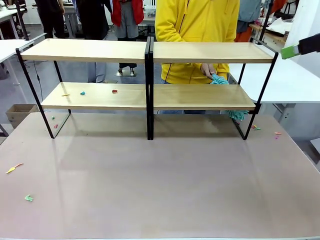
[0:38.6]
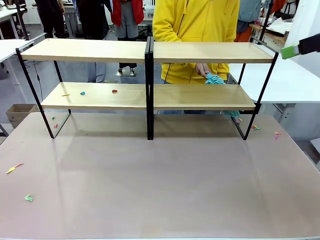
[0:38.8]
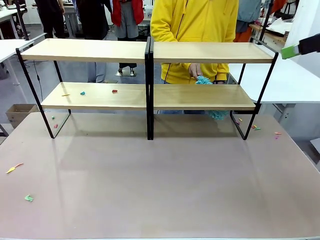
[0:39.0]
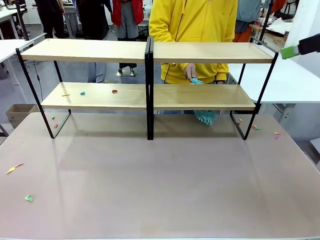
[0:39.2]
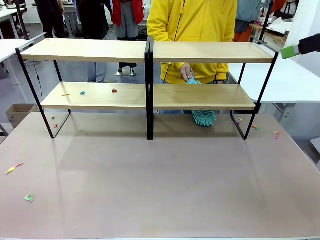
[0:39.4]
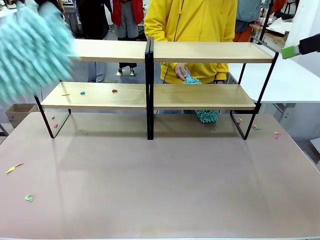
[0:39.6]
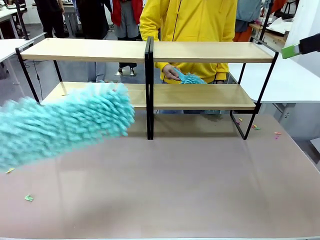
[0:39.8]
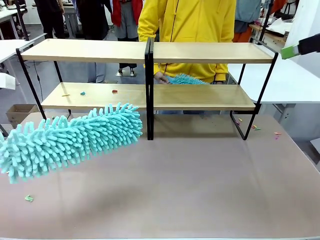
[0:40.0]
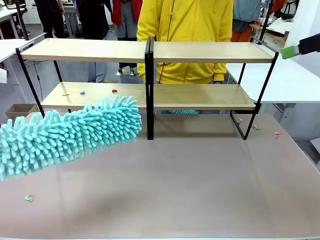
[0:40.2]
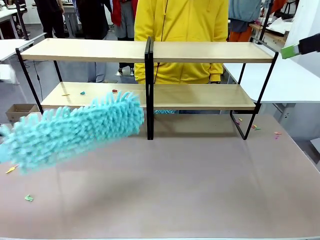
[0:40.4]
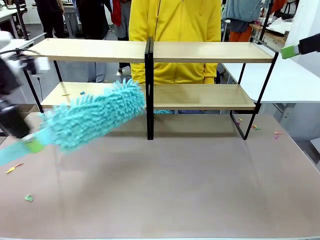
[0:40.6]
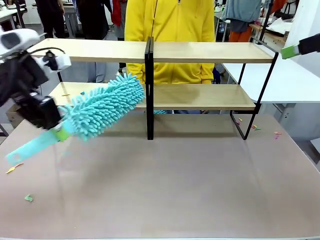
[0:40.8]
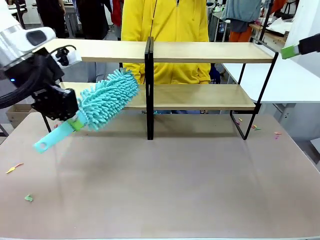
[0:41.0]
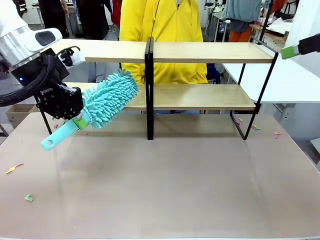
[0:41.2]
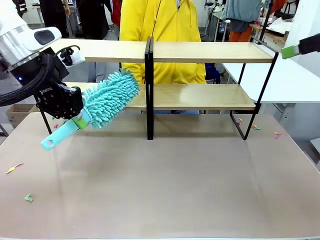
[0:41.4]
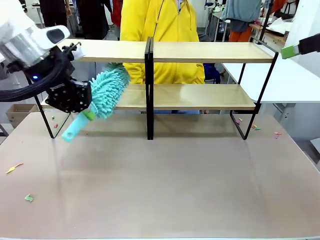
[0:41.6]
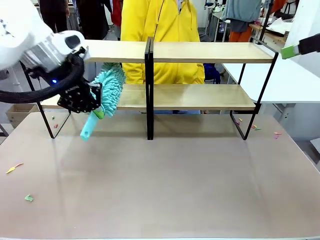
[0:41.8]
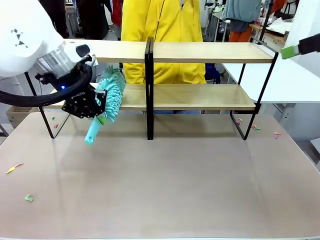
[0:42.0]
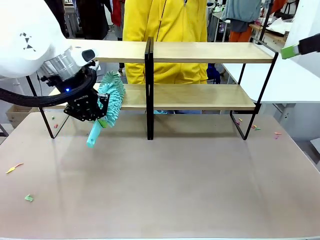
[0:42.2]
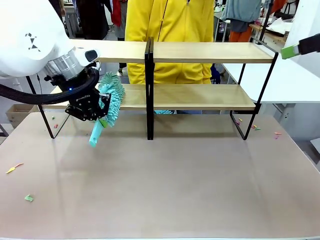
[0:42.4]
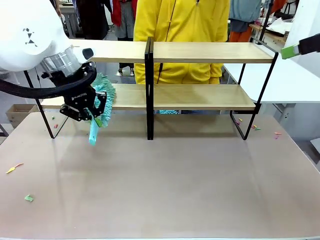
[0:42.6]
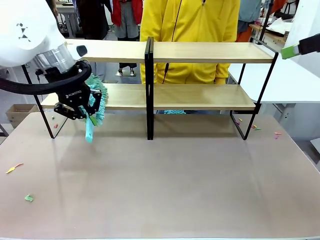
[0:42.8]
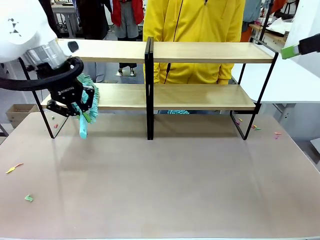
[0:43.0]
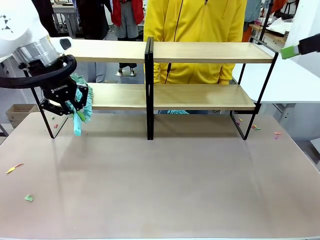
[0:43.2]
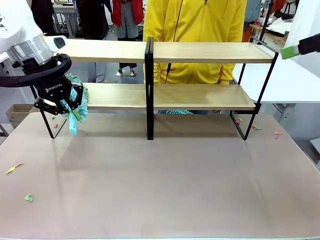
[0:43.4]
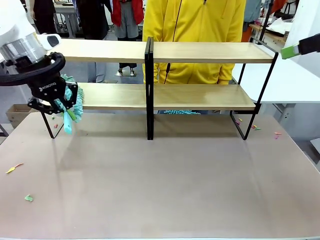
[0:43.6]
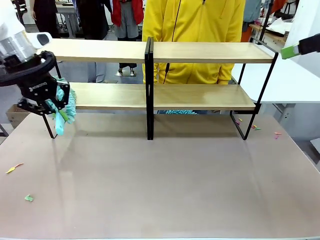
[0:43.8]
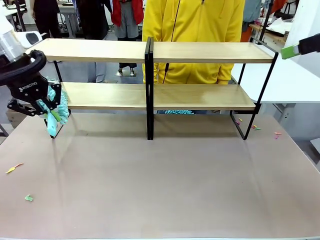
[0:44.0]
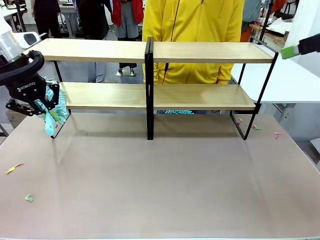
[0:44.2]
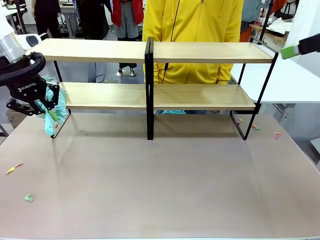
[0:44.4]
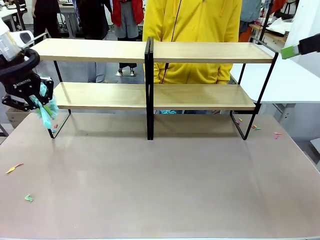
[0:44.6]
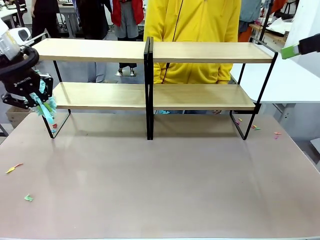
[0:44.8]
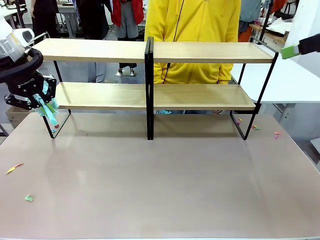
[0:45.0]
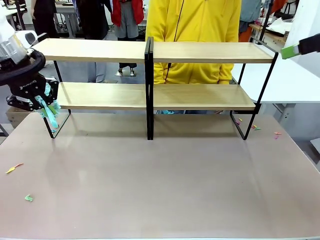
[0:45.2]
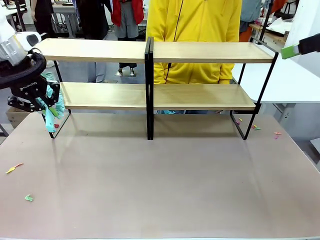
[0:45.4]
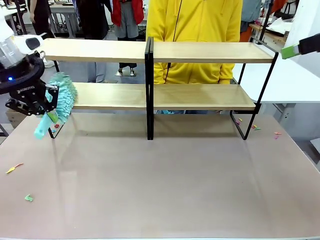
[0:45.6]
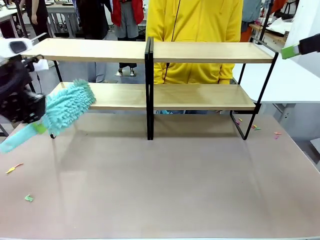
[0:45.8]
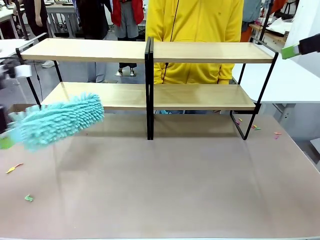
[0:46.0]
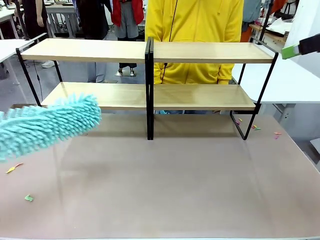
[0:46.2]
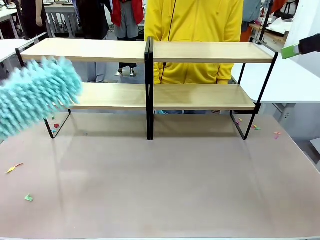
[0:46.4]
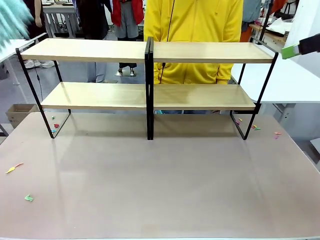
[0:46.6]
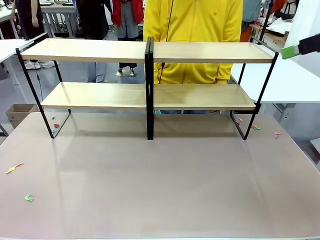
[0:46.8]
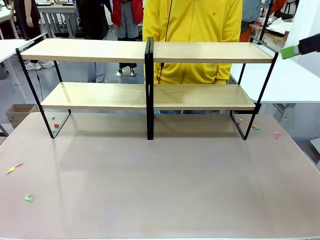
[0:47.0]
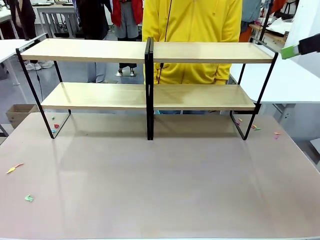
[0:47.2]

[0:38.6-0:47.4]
Task: Clean the shelves.
Robot: Clean another randomly selected level of the Shelf with the Duster.

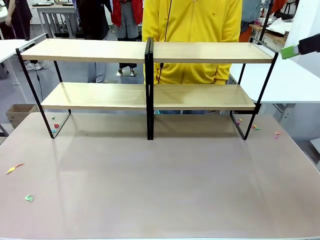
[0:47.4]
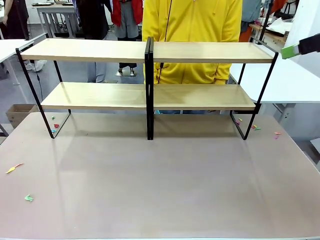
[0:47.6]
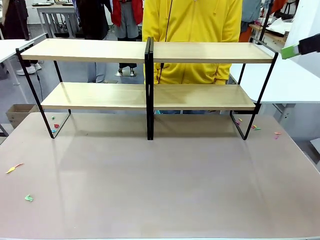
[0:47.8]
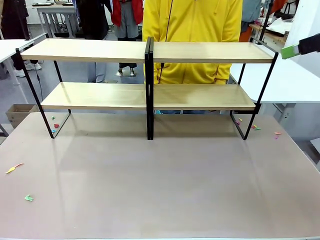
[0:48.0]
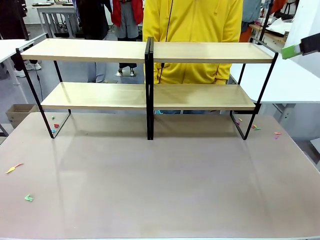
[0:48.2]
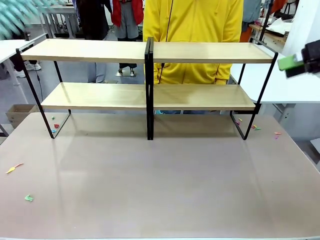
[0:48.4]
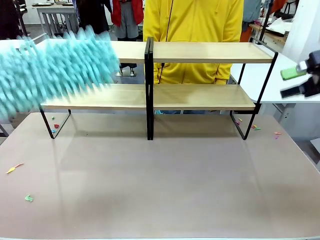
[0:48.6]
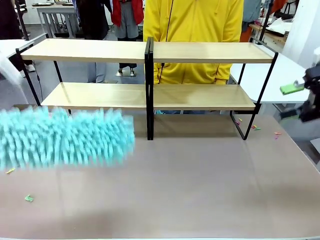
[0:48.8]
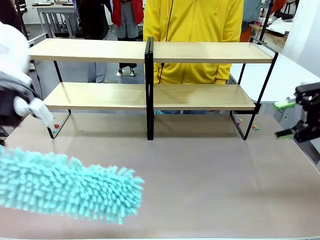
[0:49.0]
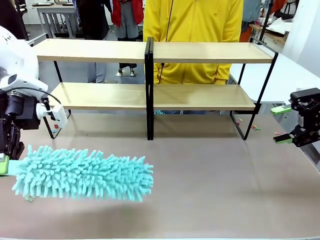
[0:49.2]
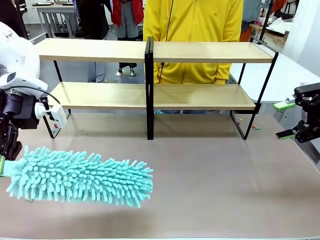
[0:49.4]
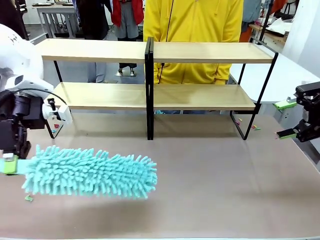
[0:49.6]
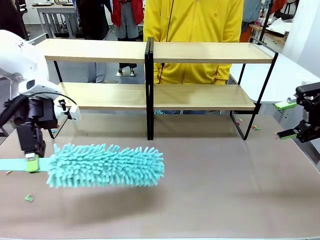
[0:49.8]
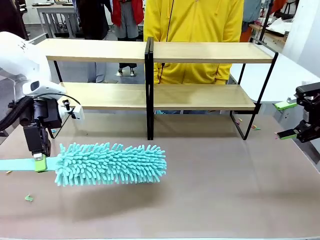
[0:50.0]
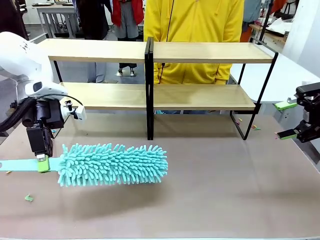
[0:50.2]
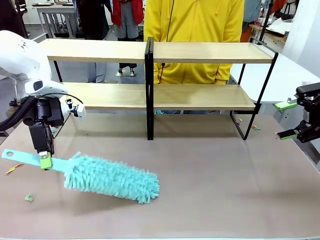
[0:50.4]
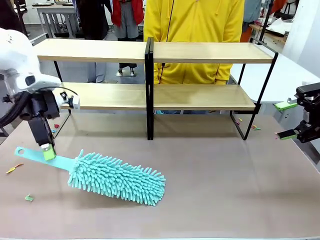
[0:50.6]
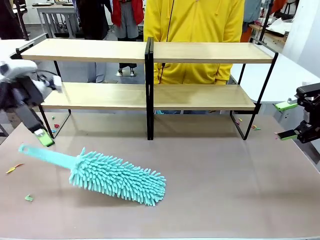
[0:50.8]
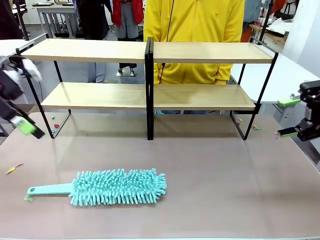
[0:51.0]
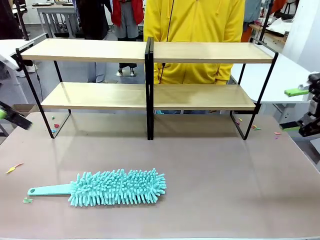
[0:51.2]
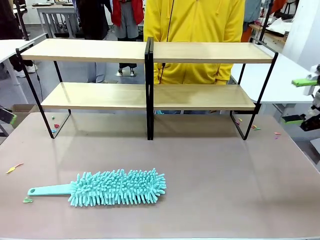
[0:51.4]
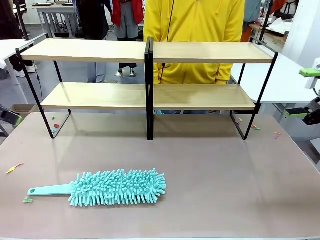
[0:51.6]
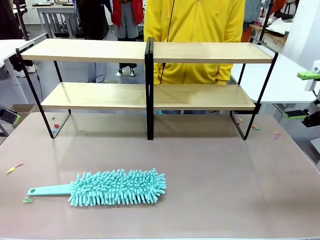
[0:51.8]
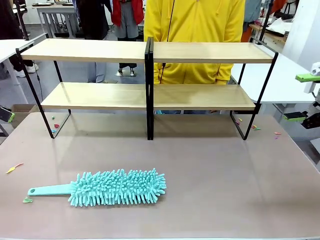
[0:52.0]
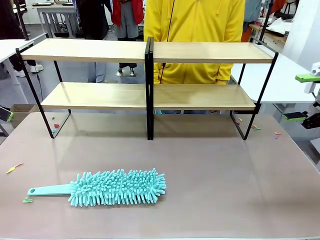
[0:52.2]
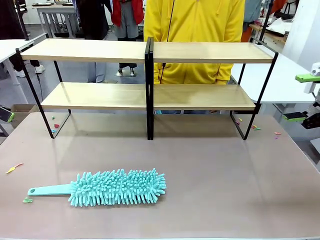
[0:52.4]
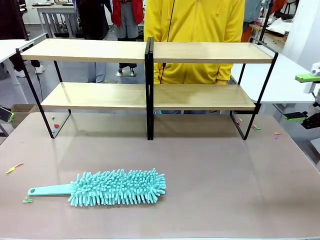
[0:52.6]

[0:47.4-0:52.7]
Robot: Place the Duster on the table.
